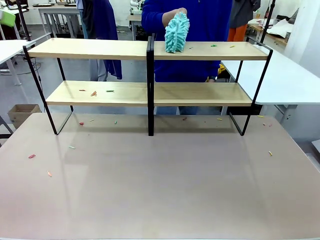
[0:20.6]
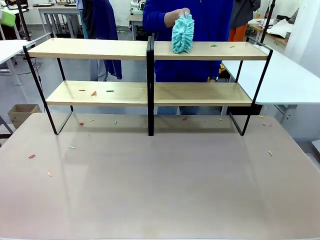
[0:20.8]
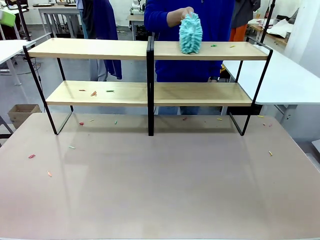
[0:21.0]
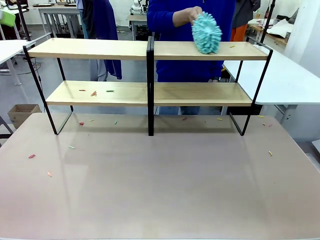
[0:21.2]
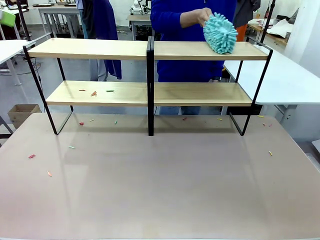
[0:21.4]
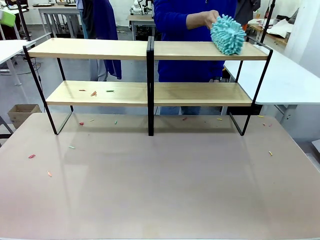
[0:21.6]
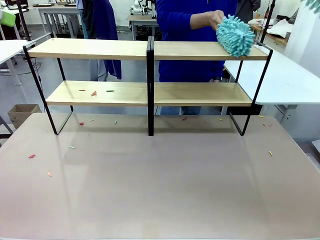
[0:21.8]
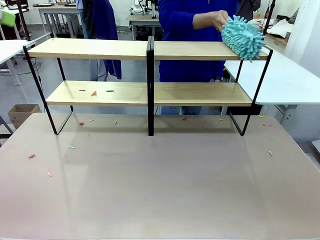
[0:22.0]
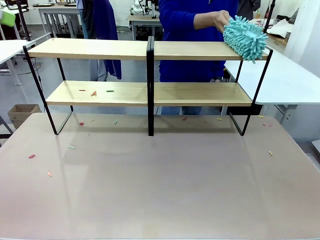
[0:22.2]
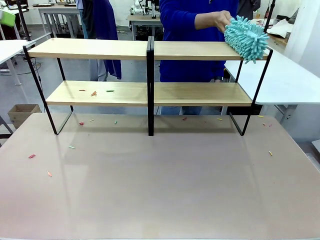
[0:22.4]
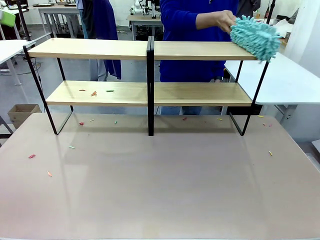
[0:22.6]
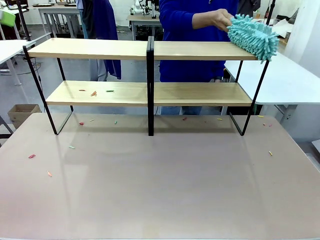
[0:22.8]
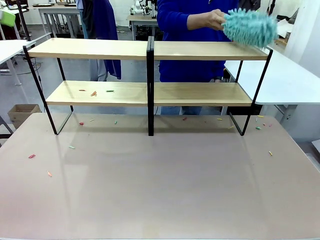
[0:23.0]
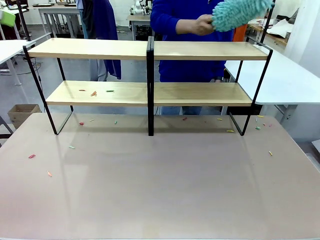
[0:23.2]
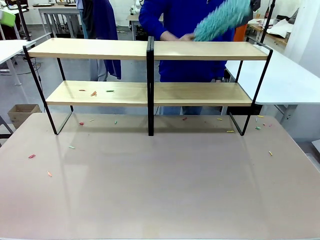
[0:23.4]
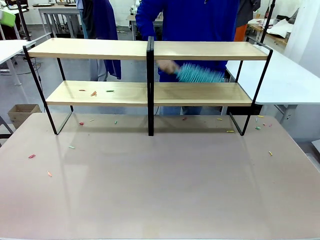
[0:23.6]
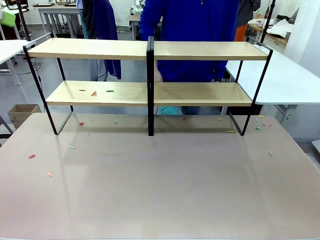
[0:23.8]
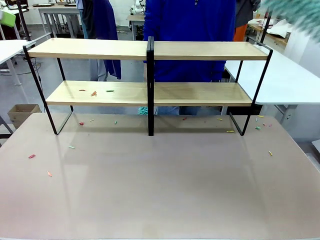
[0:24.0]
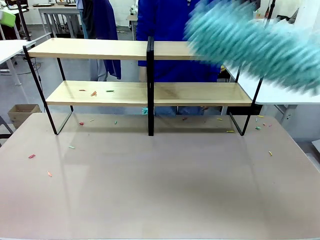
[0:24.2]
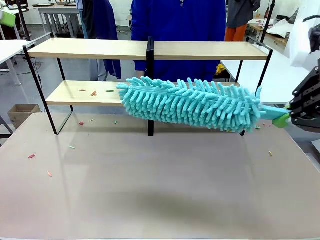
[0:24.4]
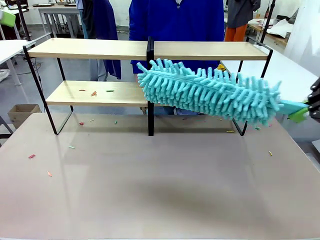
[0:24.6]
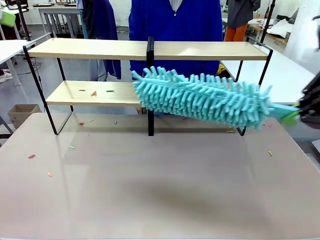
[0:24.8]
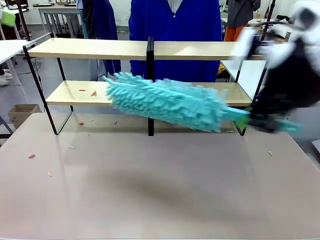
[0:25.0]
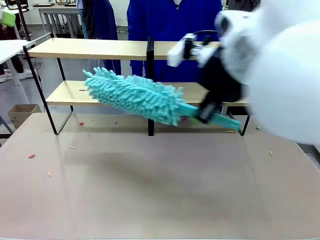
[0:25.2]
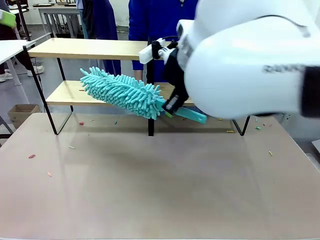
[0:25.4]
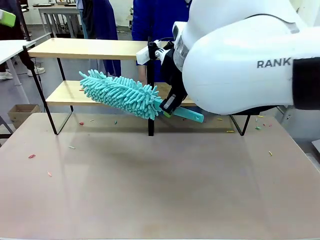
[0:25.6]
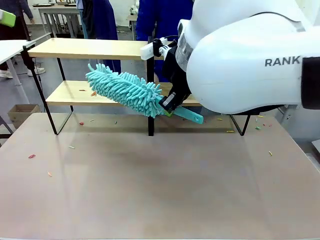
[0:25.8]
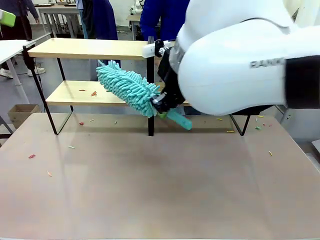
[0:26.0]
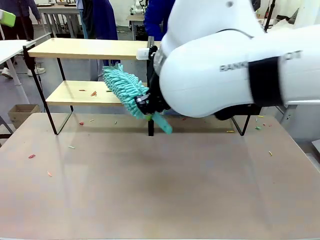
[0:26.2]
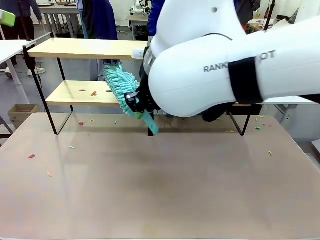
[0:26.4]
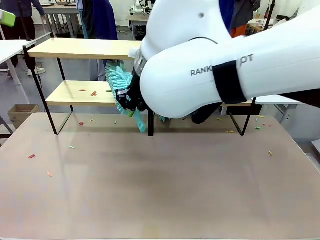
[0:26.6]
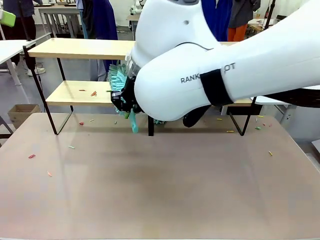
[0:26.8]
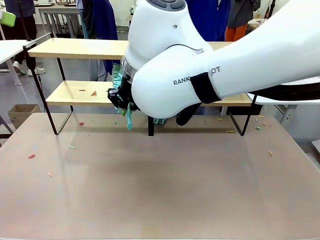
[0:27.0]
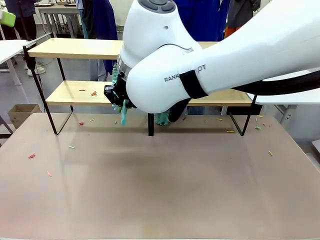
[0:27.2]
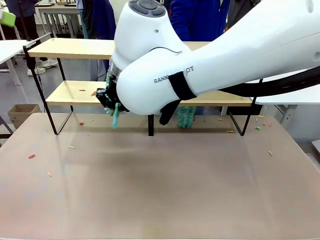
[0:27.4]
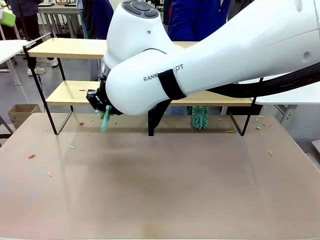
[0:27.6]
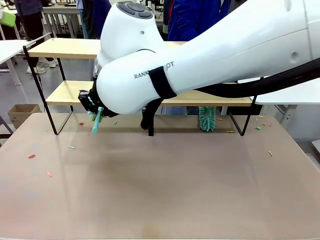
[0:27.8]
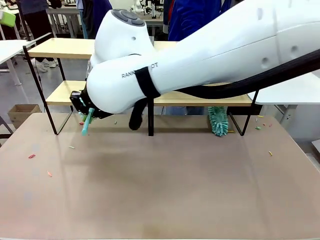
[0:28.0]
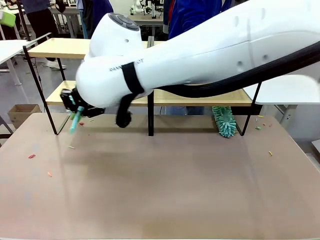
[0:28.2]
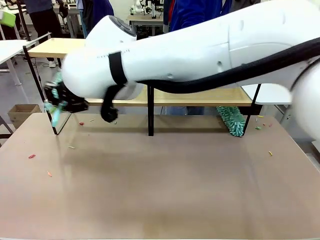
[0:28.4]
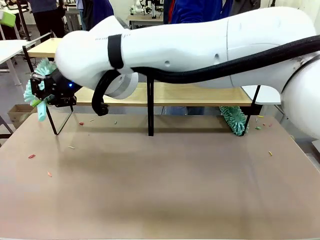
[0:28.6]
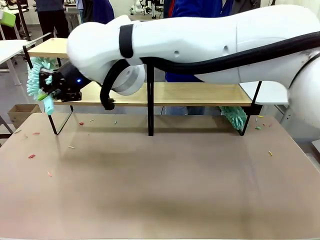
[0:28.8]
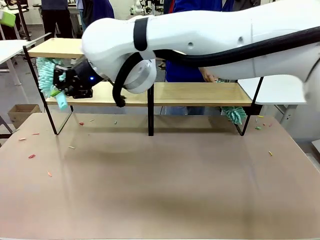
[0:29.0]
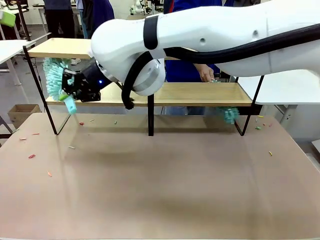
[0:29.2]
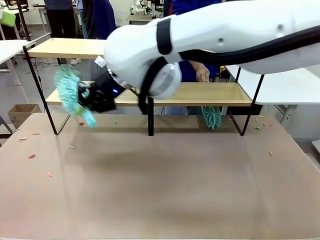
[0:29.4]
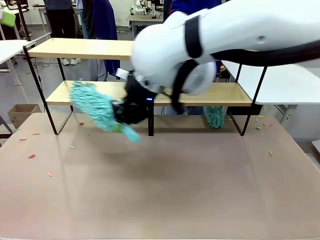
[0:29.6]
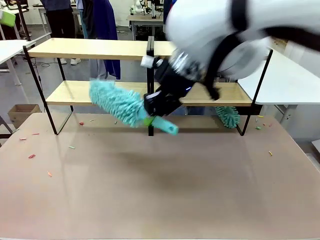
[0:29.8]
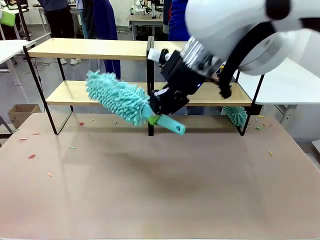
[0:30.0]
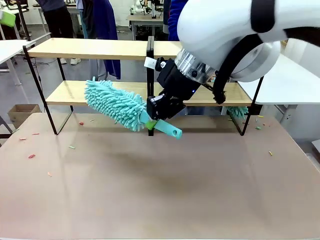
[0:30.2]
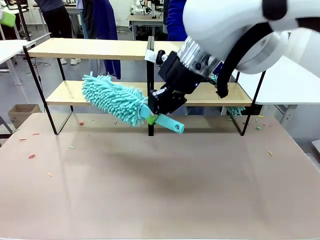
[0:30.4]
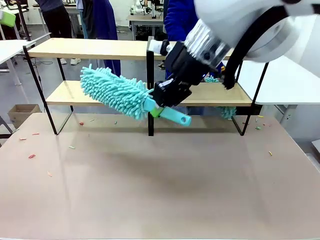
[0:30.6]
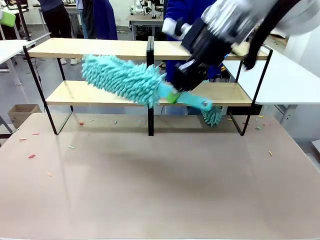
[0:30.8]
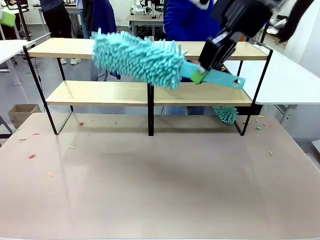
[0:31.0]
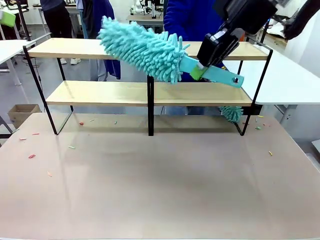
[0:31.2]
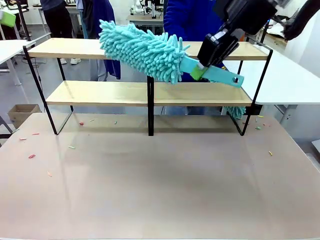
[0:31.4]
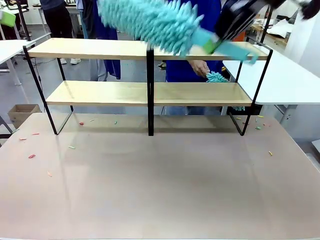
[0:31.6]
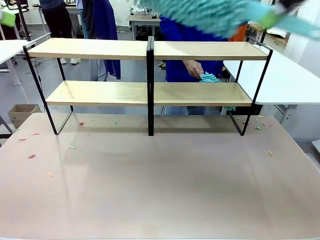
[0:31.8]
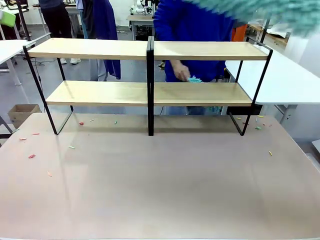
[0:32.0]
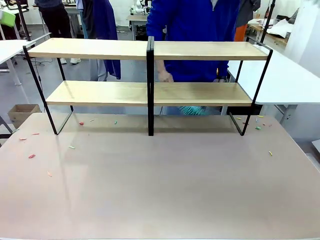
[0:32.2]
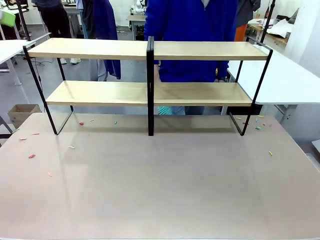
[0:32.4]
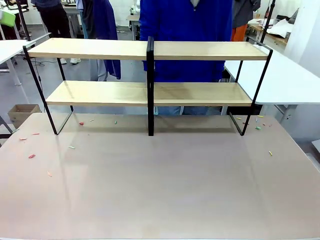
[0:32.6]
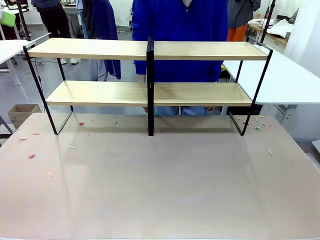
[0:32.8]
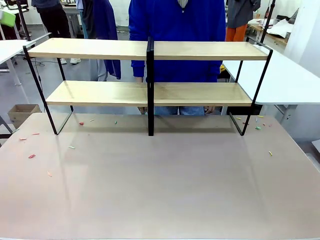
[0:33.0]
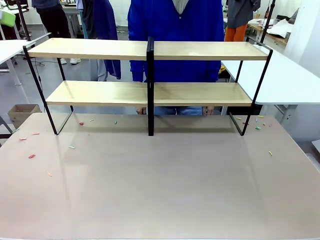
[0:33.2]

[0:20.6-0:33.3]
Task: Clean the shelves.
Robot: Clean another randomly selected level of the Shelf with the Duster.

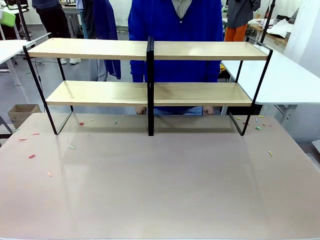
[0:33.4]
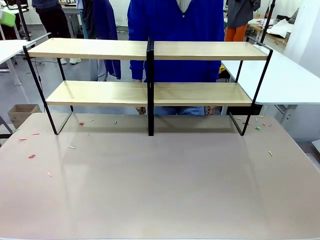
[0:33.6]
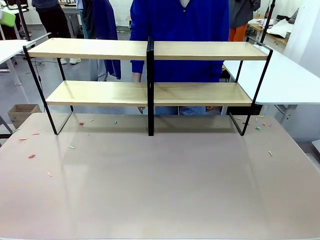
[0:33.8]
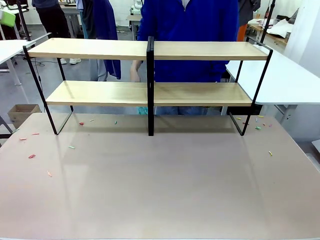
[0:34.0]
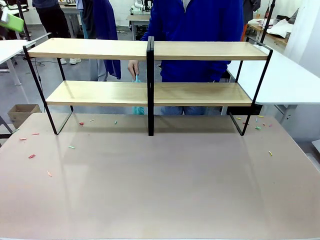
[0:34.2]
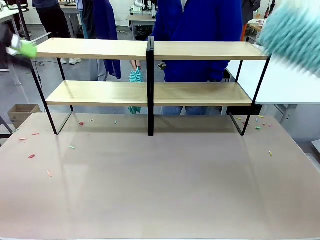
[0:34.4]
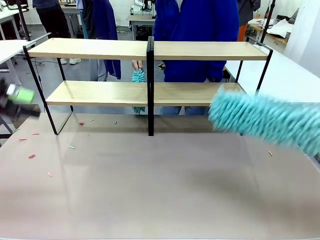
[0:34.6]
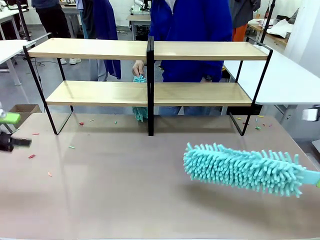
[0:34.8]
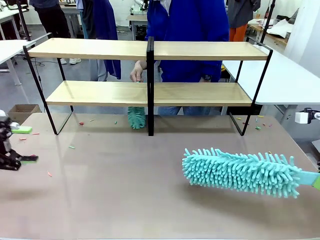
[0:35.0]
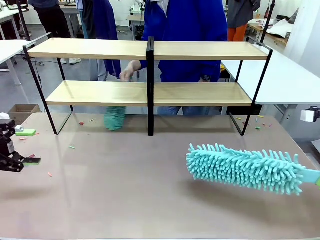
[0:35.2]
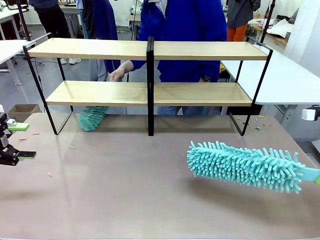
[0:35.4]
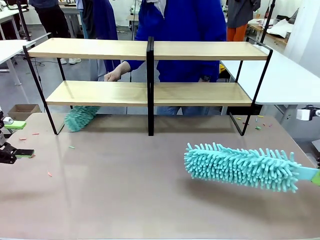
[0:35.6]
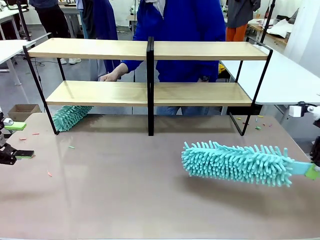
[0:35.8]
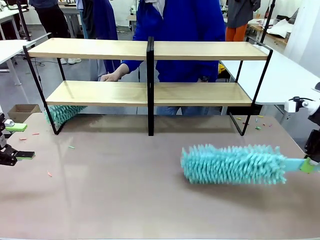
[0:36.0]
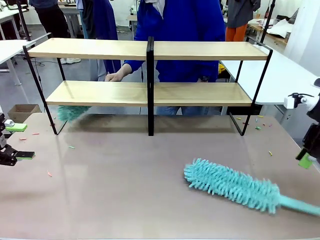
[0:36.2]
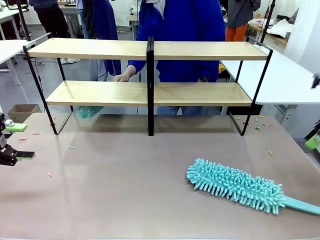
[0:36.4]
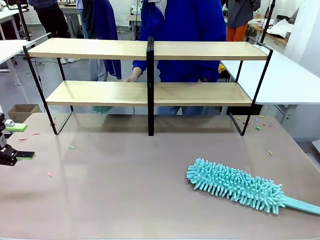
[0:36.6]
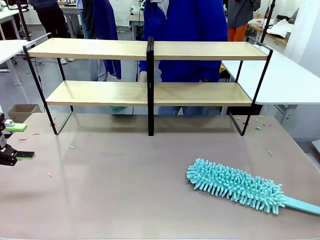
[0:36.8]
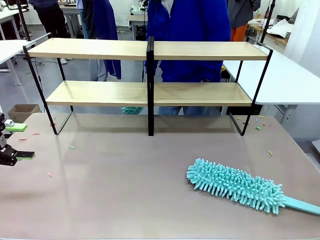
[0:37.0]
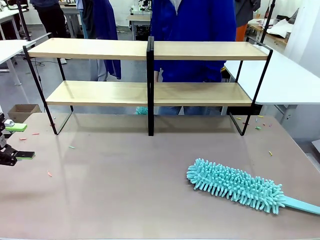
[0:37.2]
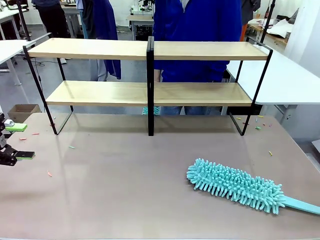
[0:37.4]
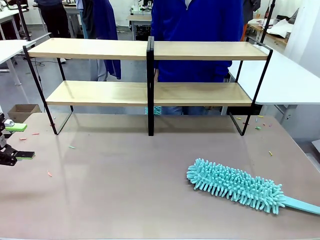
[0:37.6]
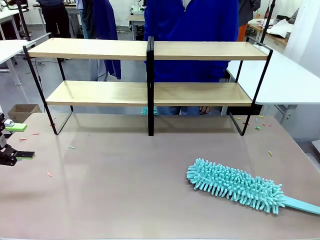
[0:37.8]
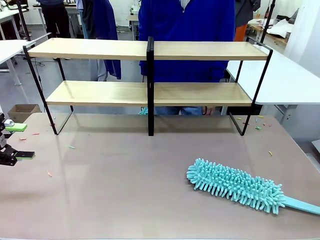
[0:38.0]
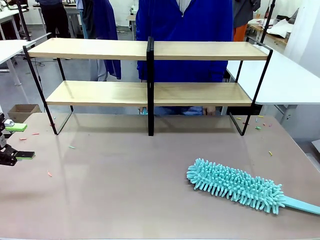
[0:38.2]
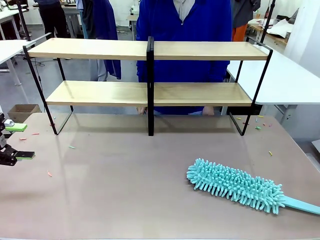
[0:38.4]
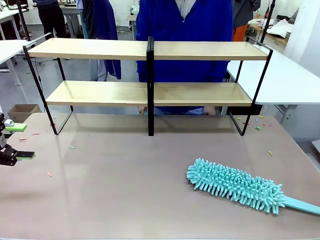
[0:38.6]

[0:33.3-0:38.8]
Robot: Place the Duster on the table.
